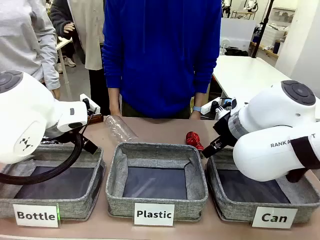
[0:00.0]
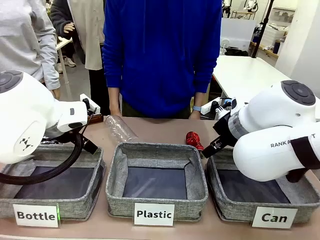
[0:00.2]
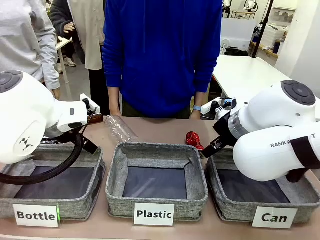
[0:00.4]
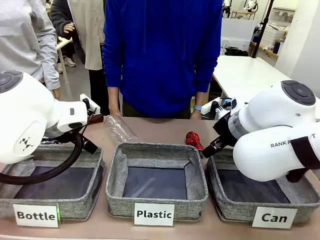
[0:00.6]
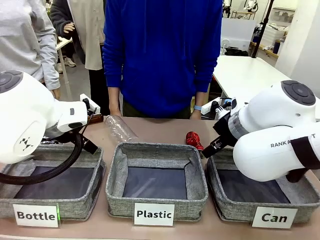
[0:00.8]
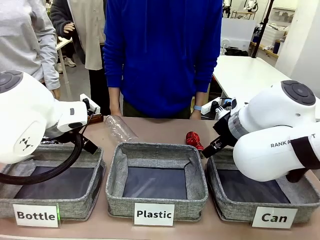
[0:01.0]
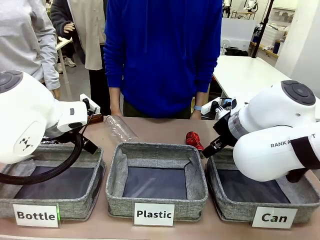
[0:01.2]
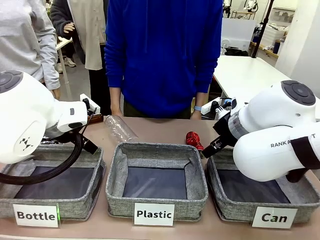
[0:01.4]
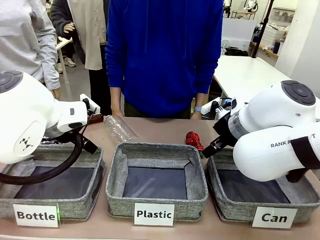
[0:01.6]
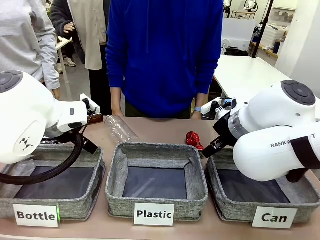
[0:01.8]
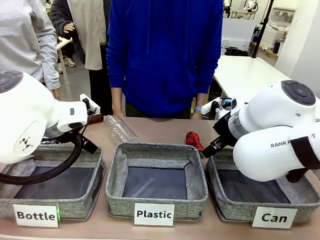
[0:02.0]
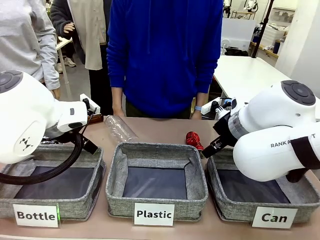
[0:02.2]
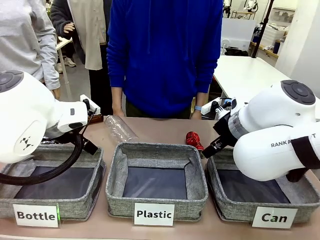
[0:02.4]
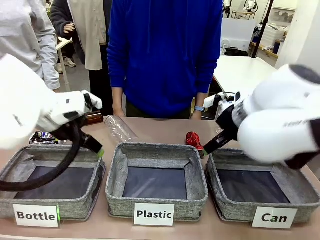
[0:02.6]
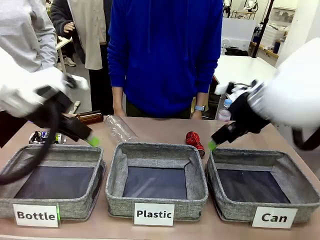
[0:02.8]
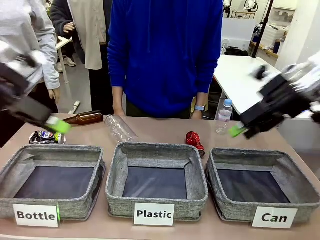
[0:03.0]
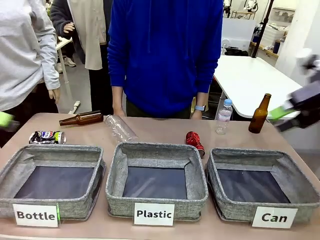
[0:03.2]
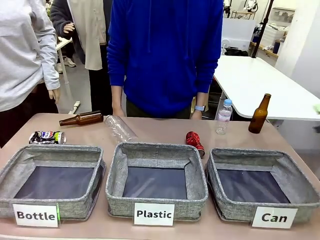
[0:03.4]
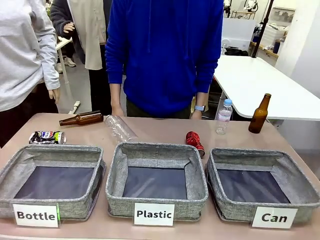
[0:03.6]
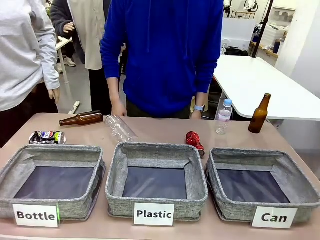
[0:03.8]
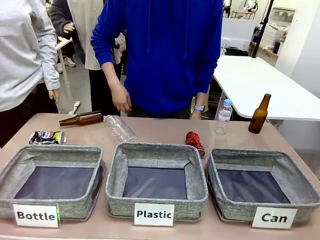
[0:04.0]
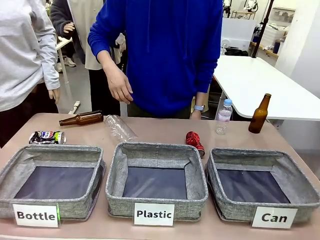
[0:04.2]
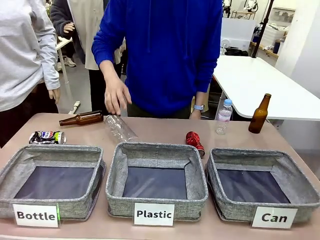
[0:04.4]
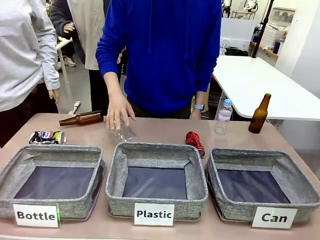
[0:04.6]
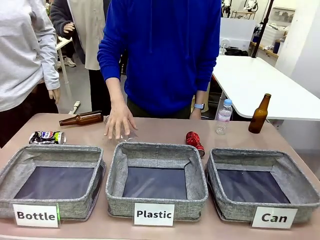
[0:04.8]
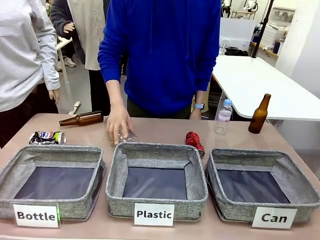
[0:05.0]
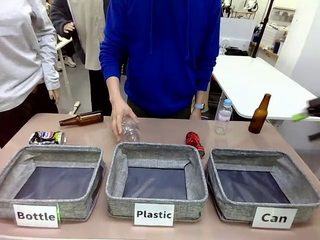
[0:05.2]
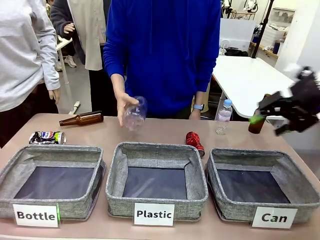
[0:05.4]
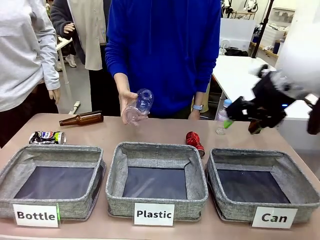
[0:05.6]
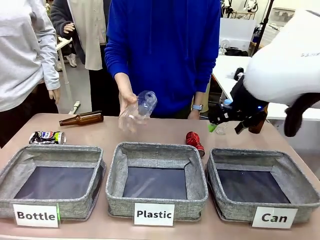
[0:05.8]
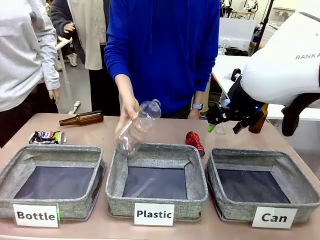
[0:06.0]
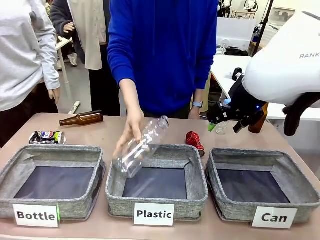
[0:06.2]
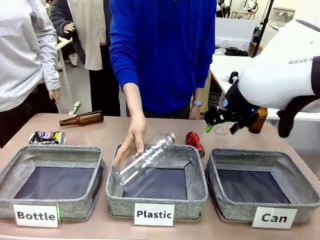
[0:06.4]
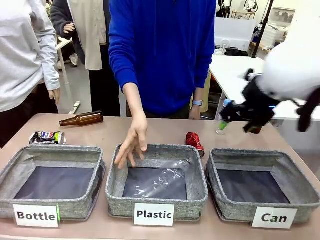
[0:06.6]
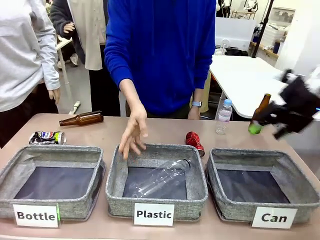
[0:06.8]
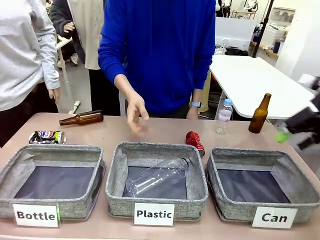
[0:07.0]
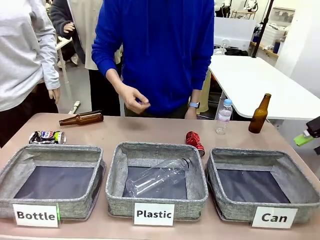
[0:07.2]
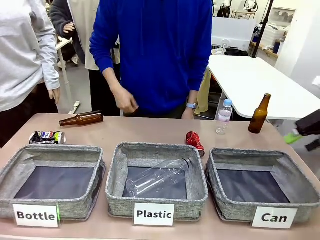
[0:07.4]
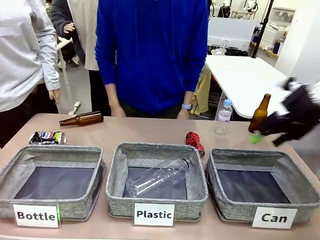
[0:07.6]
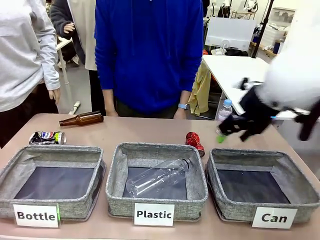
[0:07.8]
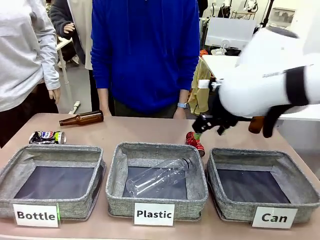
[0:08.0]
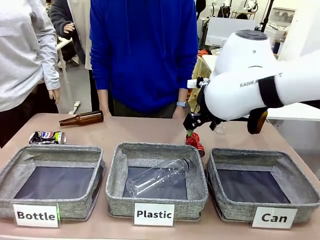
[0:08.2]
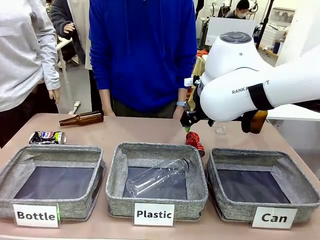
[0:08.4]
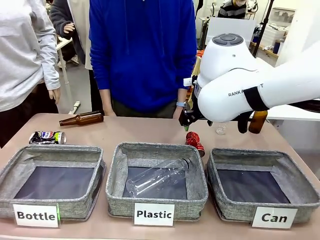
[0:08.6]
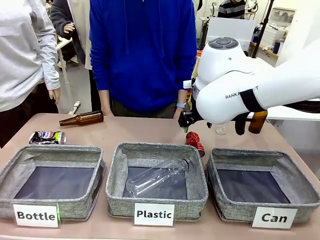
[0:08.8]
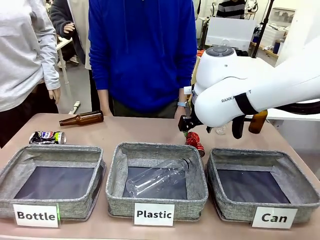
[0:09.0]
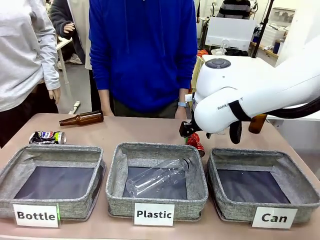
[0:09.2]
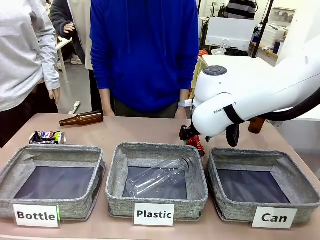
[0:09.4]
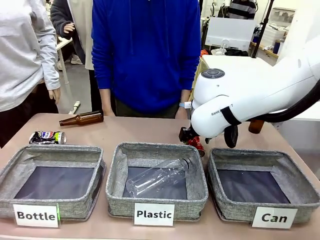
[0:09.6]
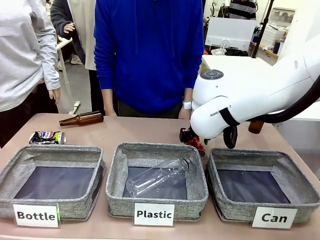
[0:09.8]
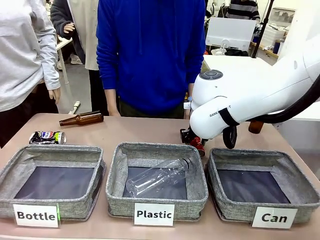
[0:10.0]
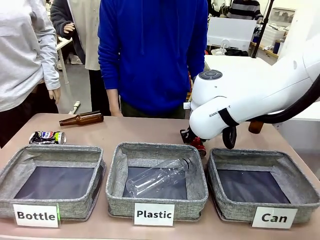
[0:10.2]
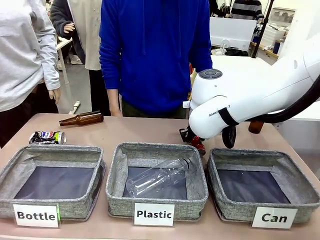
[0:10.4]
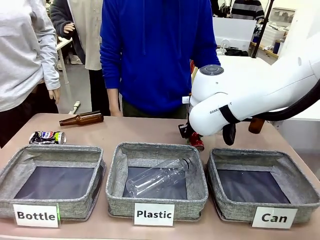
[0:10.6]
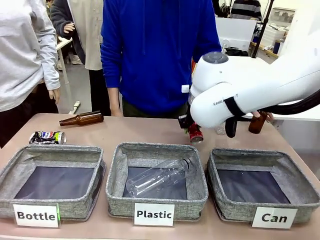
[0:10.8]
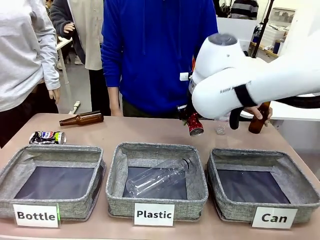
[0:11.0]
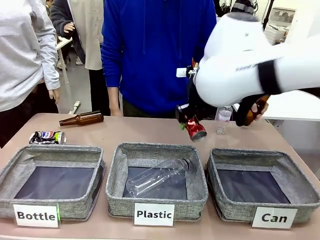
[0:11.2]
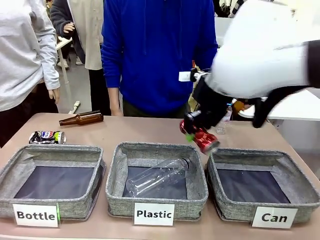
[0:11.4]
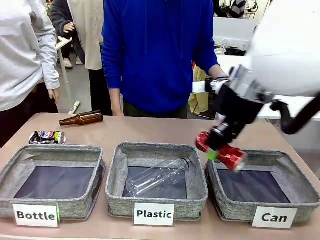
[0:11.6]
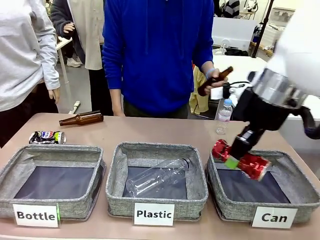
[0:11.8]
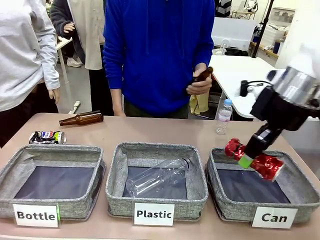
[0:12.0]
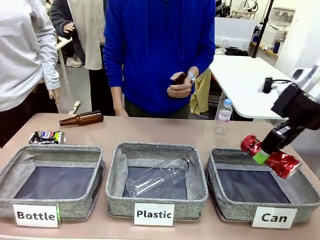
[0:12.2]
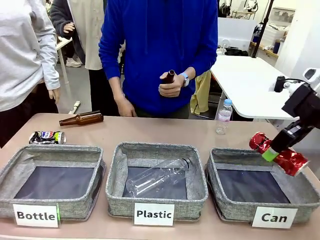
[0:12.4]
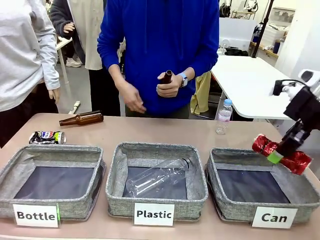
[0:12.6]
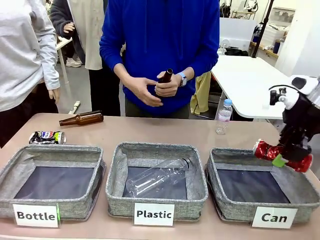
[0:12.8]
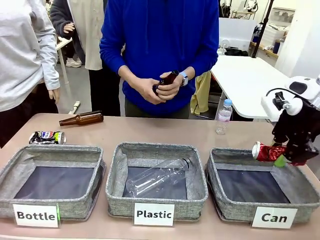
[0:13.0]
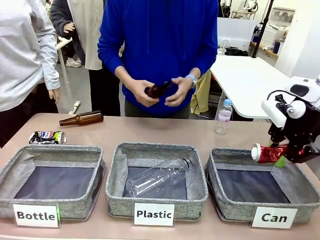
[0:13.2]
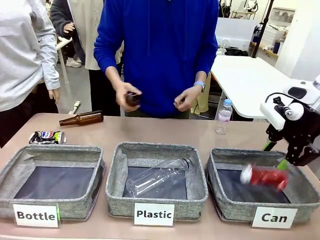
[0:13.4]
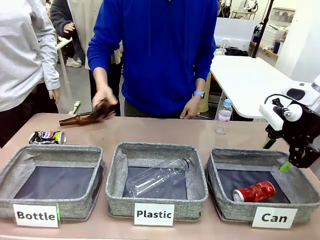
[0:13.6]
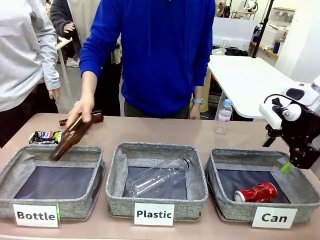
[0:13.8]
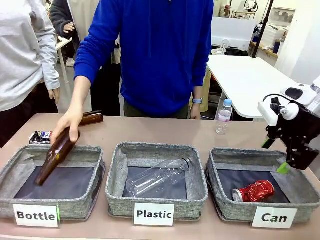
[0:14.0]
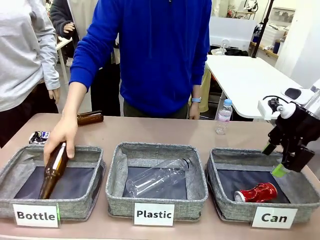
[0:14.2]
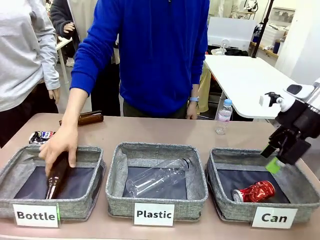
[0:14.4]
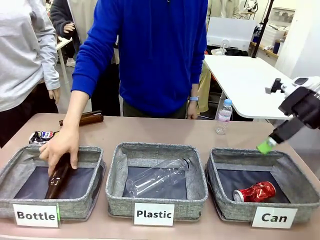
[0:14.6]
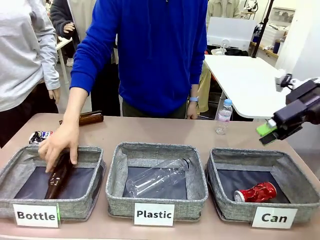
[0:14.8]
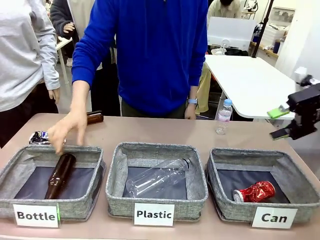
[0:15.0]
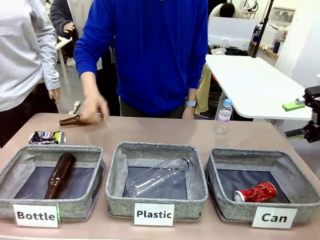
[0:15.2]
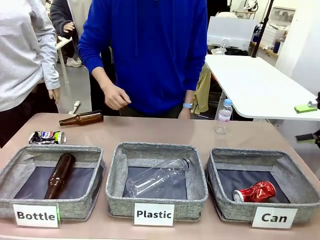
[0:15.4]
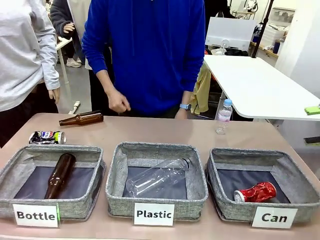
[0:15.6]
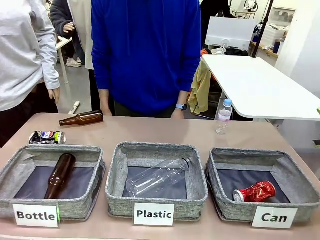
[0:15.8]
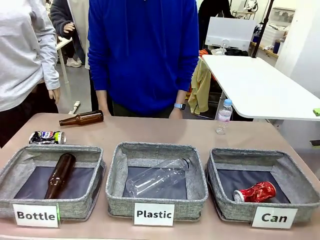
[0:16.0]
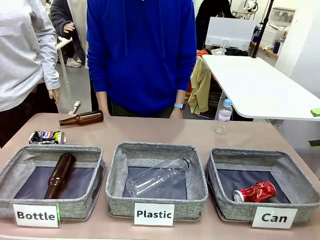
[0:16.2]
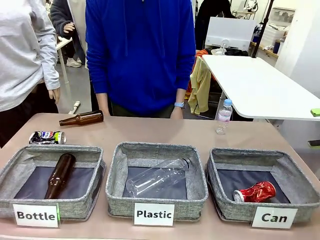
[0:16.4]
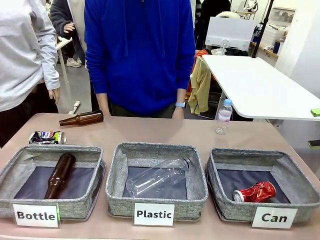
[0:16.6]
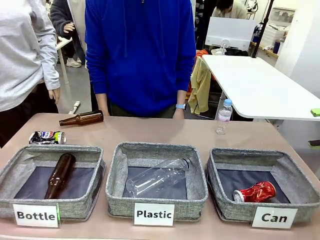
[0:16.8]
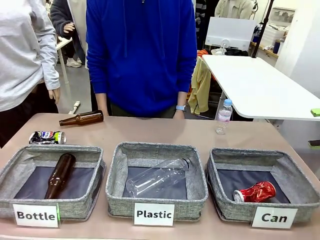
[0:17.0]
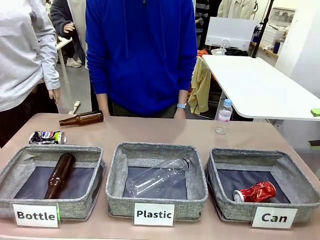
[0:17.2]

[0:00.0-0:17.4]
Task: Sort the can waste into the basket.
Robot: Pick up the can waste from the table and place it in the right Fabric basket.
